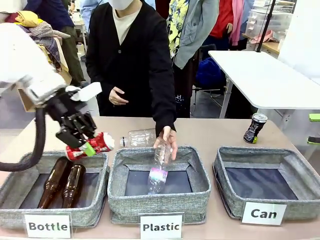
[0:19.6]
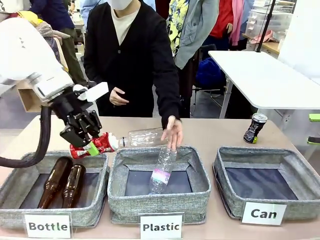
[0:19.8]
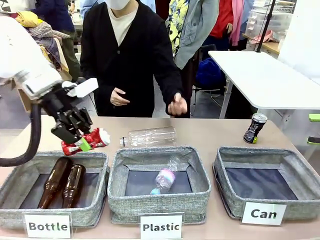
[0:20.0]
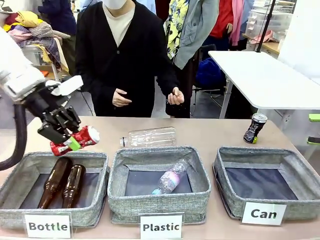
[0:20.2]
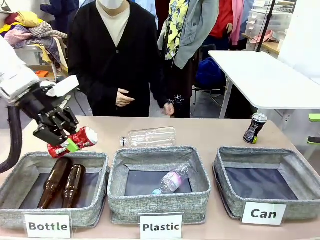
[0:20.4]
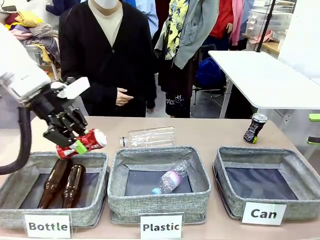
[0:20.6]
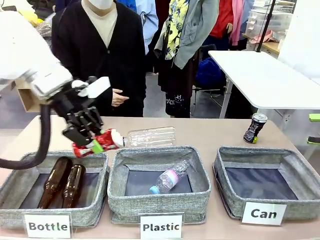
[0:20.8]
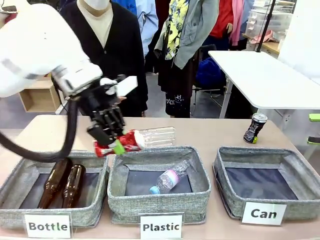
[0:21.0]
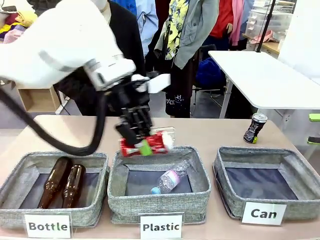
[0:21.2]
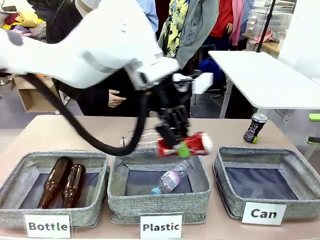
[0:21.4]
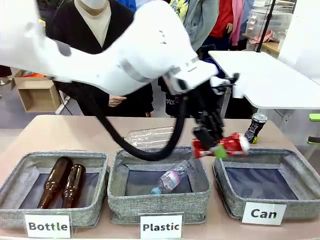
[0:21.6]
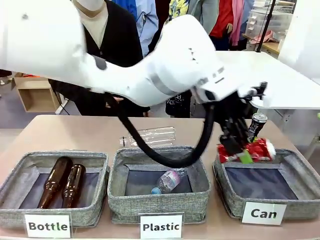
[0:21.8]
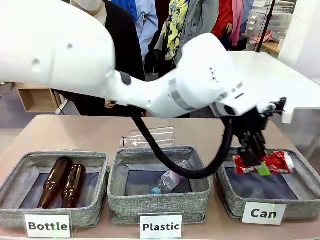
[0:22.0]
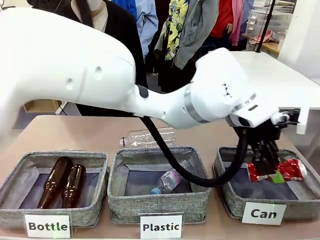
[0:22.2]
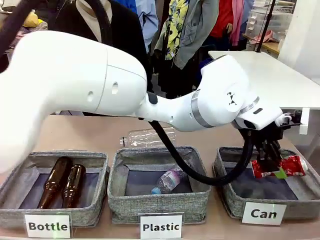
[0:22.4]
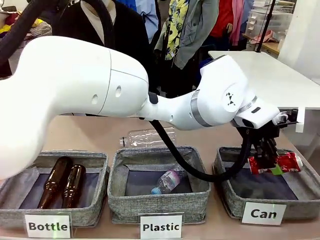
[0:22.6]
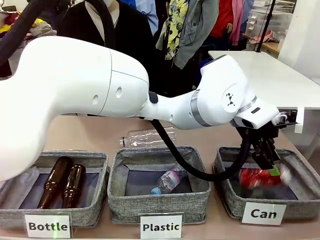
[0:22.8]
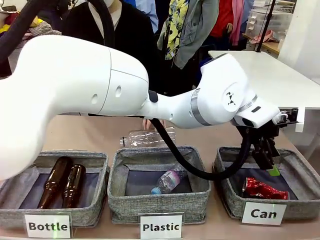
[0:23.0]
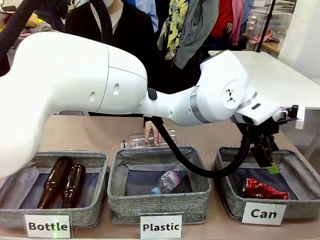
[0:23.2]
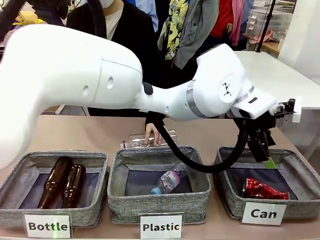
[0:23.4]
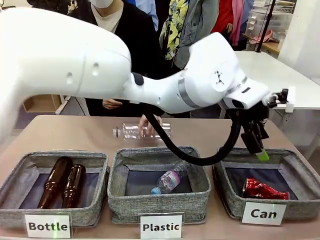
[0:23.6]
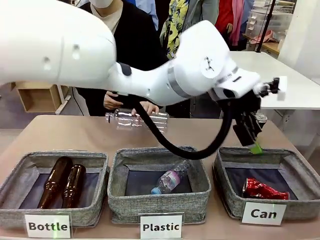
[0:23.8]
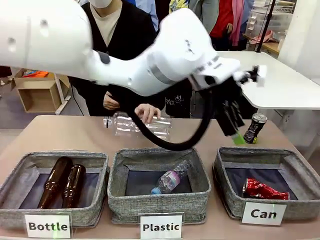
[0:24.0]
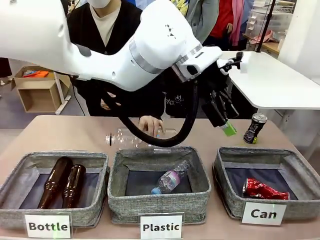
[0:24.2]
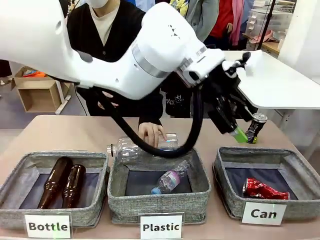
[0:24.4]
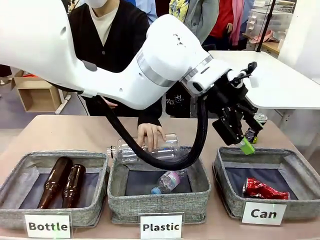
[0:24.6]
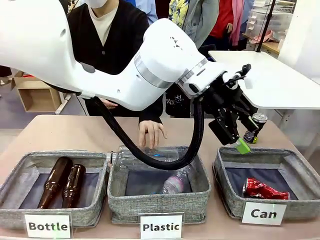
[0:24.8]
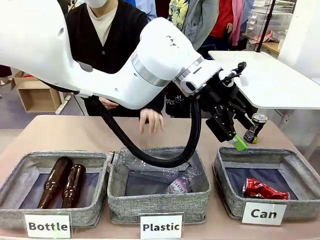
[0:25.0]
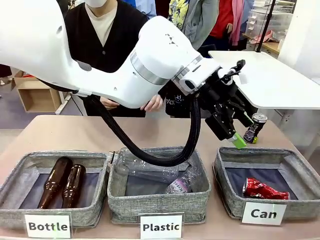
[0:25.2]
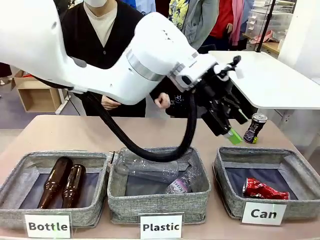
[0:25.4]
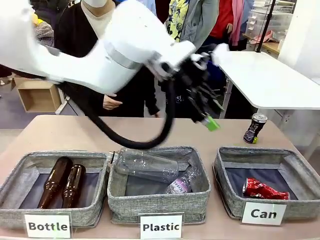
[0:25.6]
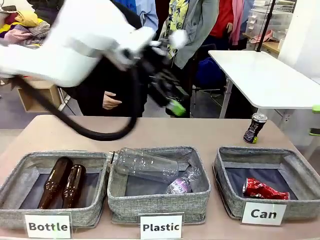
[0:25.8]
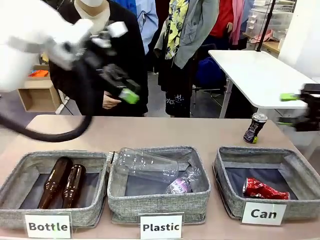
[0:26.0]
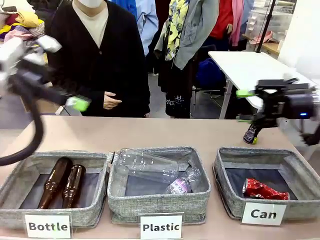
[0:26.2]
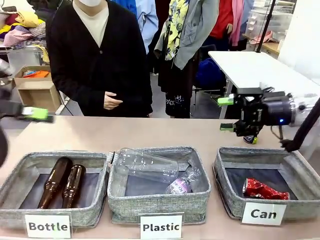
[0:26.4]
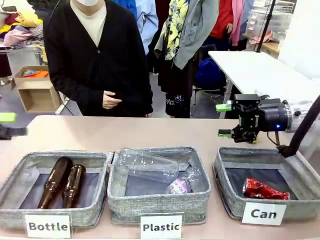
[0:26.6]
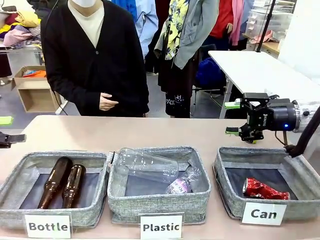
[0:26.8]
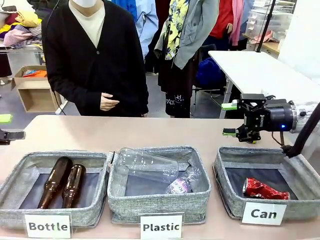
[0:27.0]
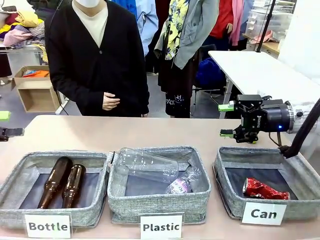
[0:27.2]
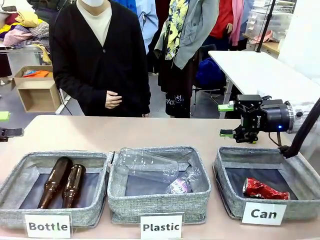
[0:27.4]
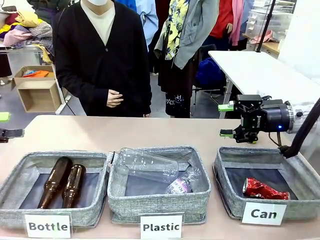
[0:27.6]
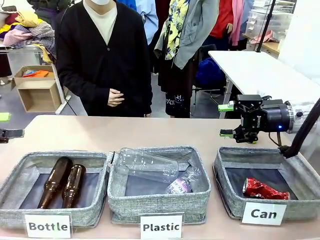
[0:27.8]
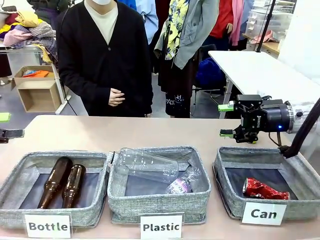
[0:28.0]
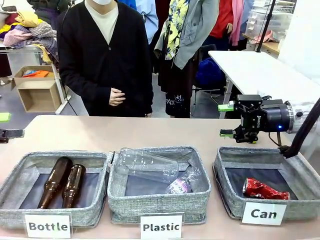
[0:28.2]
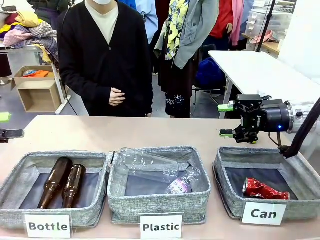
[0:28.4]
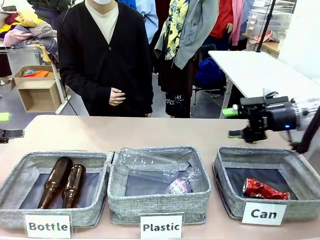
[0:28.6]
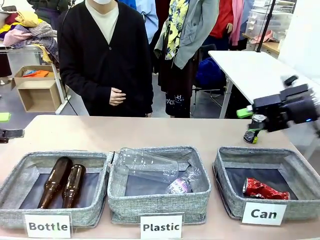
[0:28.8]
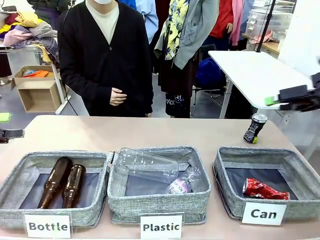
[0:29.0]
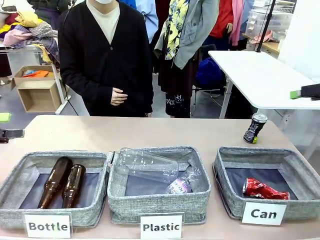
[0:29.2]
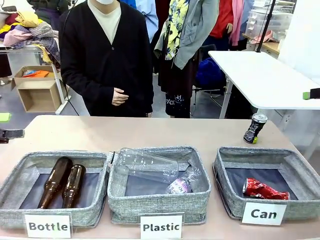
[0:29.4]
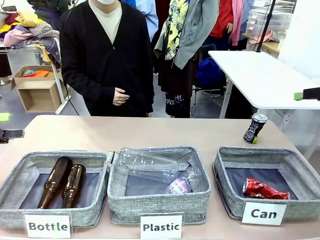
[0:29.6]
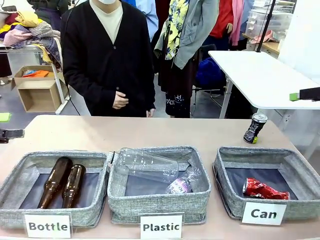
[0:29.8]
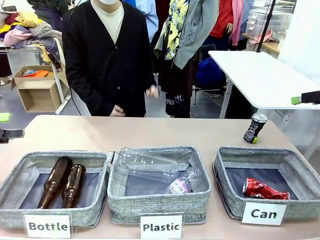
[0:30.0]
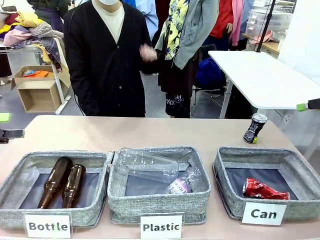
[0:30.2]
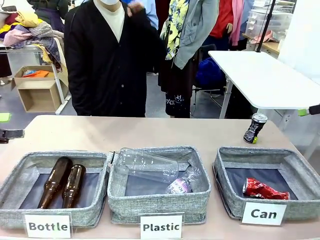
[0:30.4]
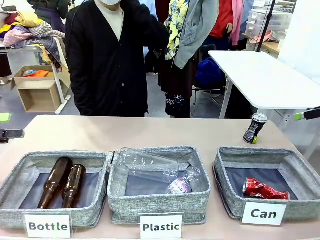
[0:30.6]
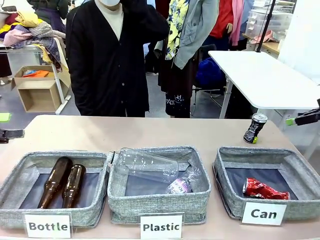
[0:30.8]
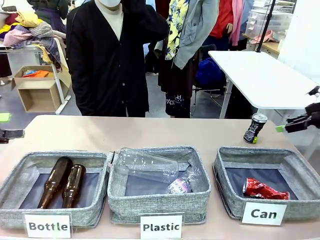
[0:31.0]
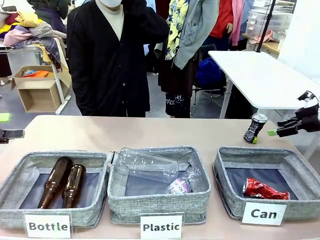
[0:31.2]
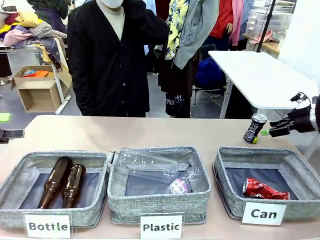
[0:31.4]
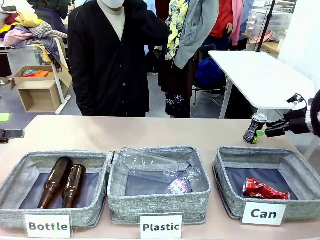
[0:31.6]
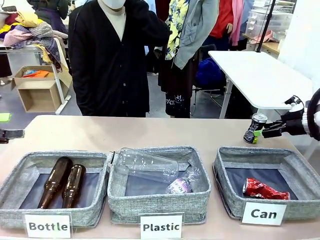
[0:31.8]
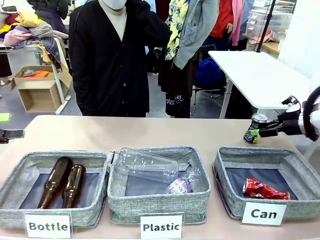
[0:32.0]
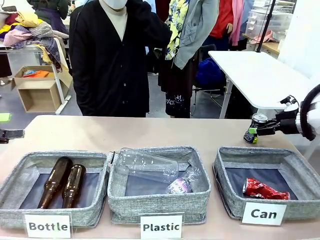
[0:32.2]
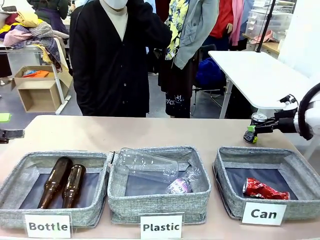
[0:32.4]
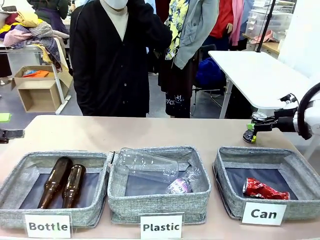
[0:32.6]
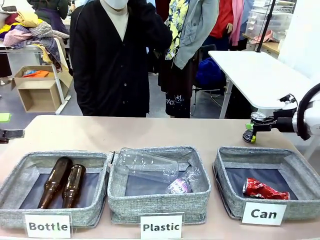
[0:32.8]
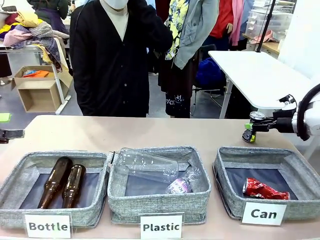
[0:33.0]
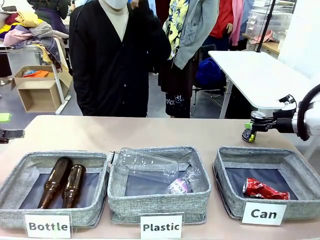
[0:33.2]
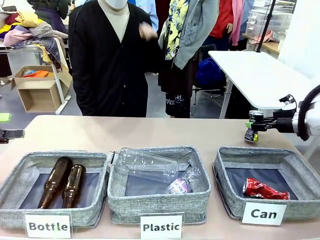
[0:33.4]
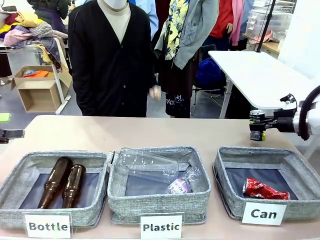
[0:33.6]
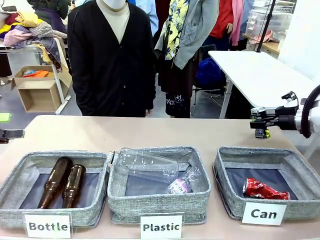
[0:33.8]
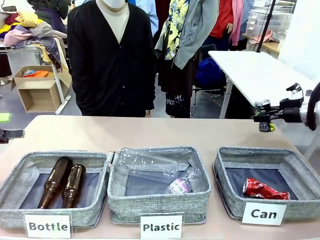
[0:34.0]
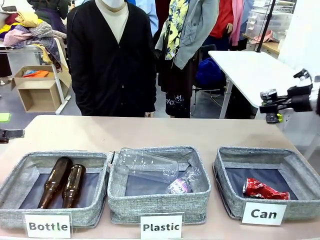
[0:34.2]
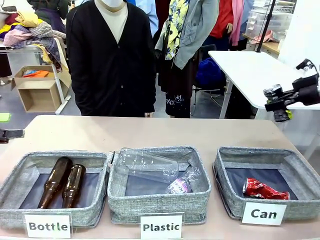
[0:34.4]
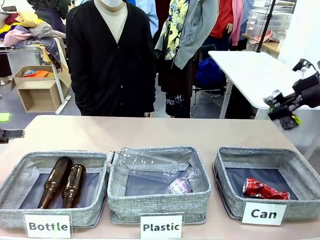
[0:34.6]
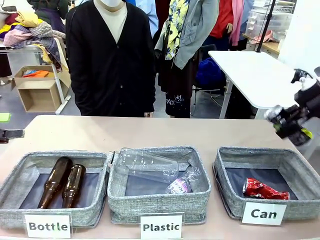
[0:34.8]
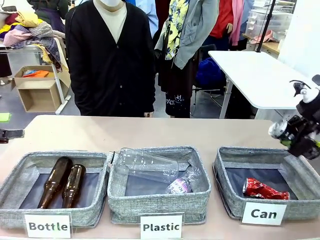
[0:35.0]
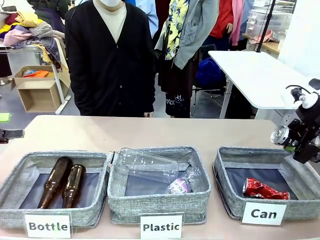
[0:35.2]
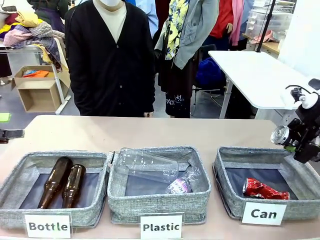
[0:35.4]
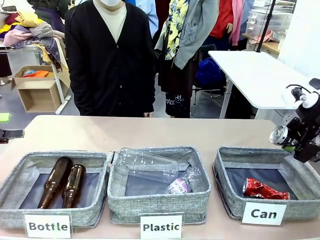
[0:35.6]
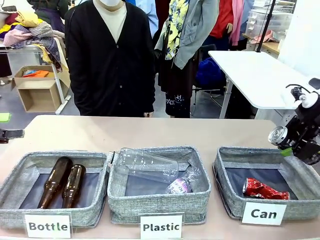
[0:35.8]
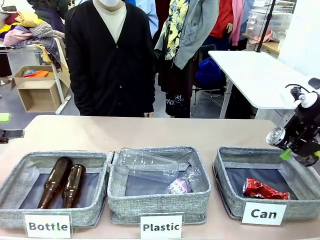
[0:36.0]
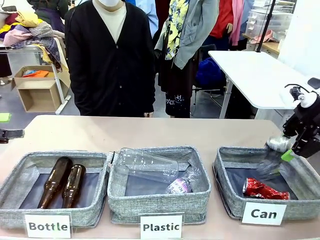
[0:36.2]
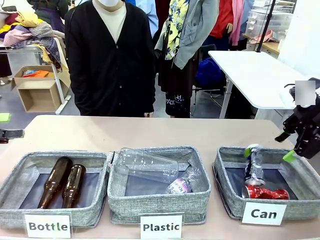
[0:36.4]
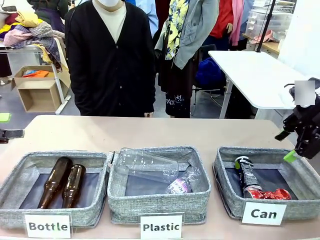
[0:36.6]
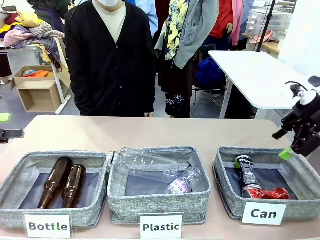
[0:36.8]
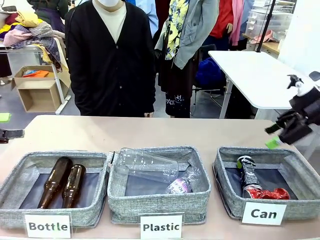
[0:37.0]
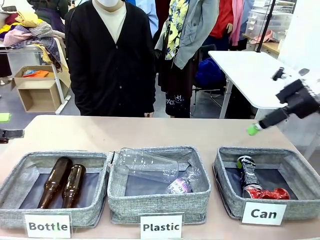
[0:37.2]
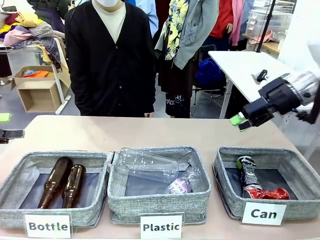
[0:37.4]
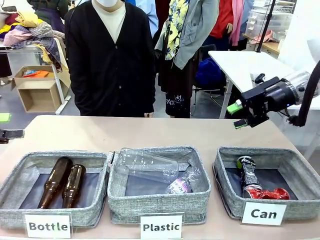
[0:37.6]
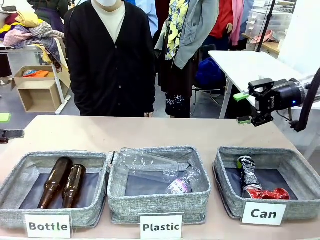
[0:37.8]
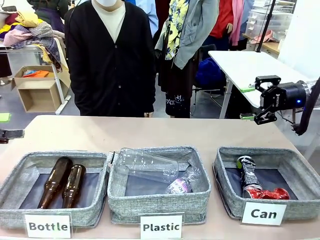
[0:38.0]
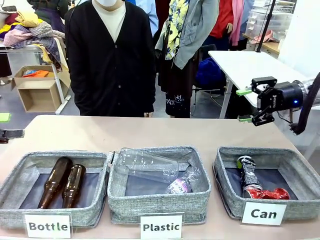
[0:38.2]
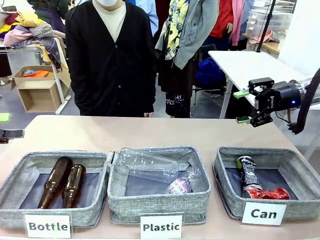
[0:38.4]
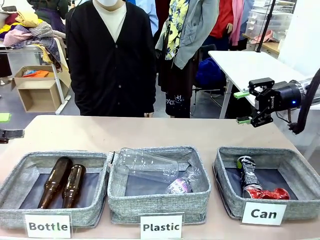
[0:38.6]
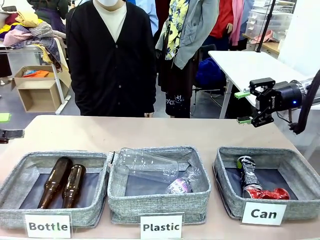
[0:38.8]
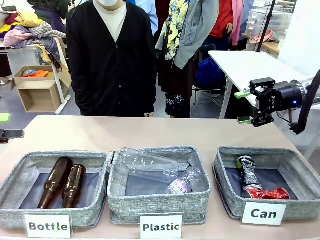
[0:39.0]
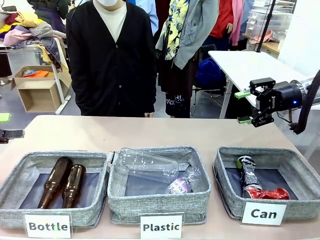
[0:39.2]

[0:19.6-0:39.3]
Task: Sort the can waste into the basket.
Robot: Pick up the can waste from the table and place it in the right Fabric basket.
Person: The human picks up one piece of trash that is not a can and places the trash into the appropriate organizing basket.
